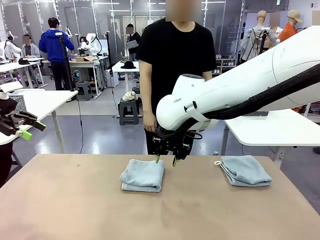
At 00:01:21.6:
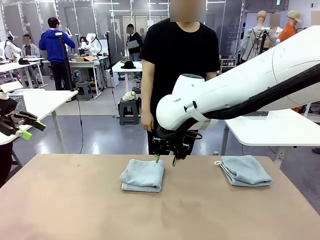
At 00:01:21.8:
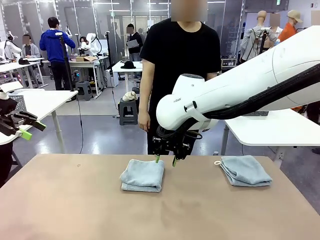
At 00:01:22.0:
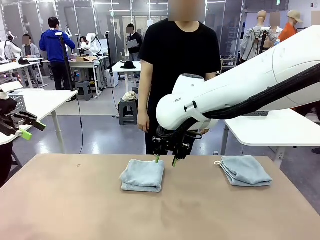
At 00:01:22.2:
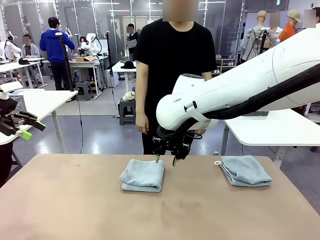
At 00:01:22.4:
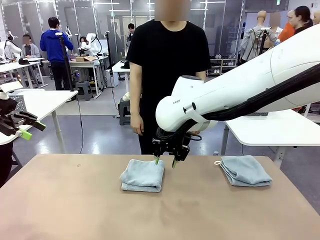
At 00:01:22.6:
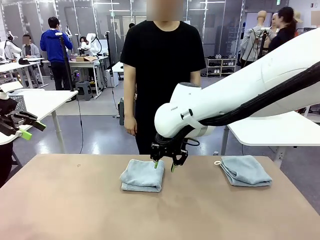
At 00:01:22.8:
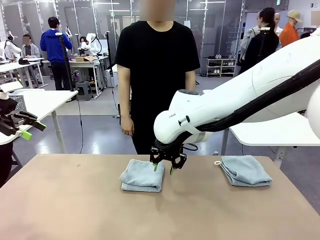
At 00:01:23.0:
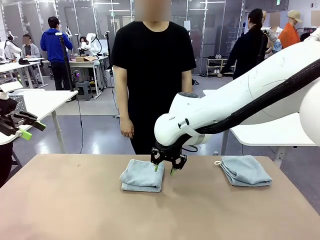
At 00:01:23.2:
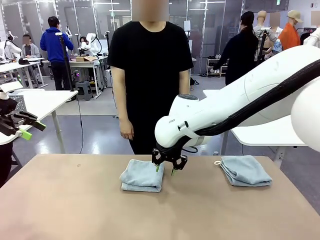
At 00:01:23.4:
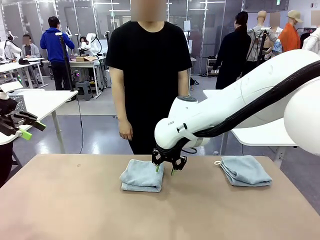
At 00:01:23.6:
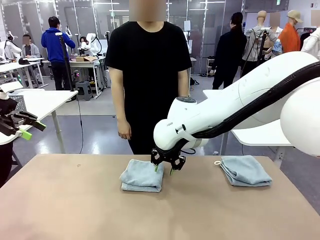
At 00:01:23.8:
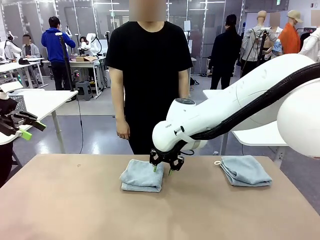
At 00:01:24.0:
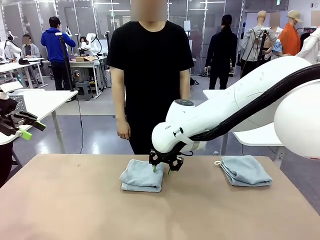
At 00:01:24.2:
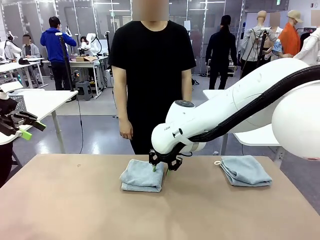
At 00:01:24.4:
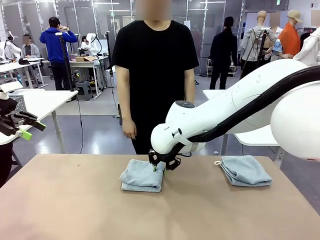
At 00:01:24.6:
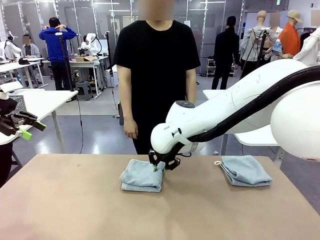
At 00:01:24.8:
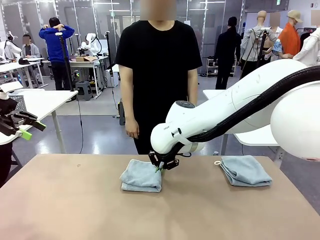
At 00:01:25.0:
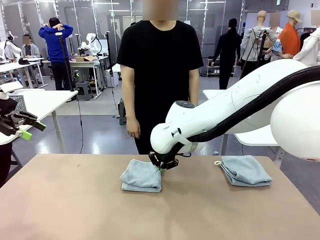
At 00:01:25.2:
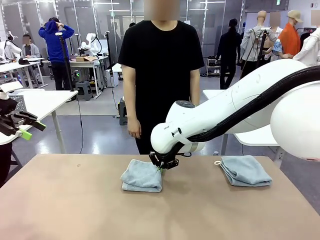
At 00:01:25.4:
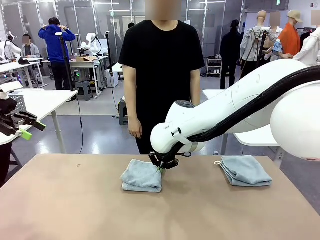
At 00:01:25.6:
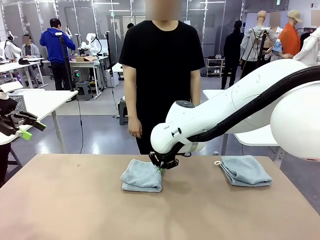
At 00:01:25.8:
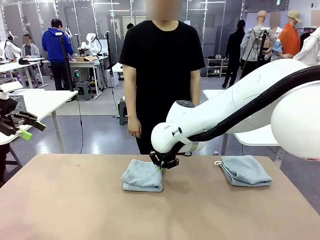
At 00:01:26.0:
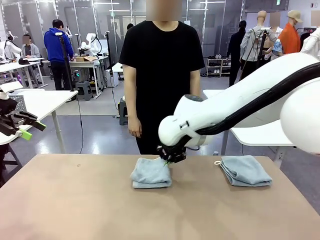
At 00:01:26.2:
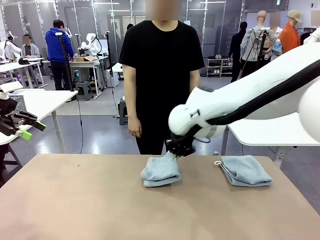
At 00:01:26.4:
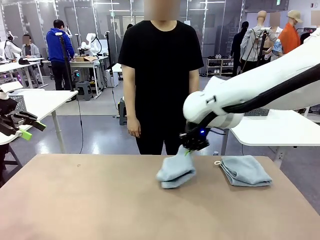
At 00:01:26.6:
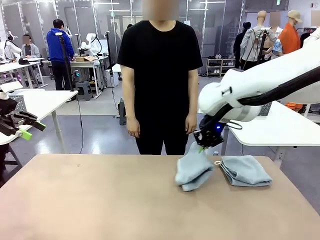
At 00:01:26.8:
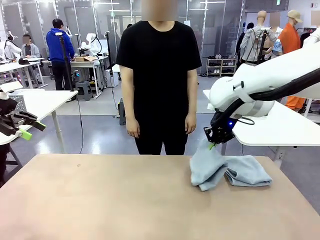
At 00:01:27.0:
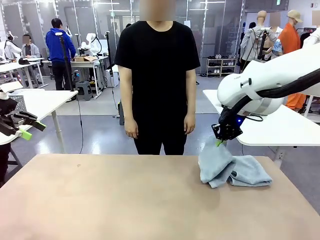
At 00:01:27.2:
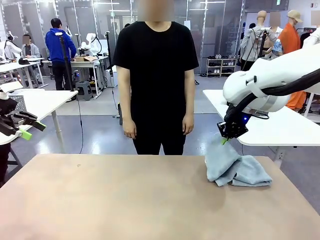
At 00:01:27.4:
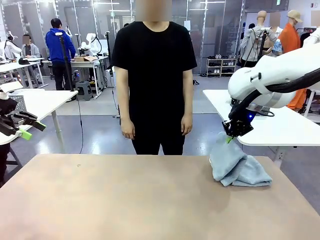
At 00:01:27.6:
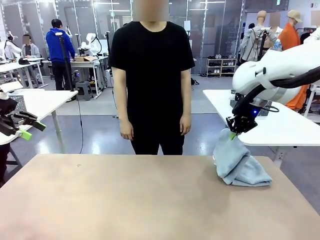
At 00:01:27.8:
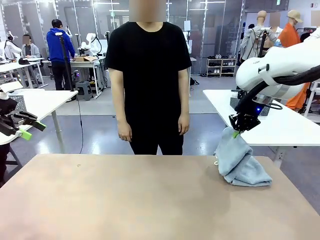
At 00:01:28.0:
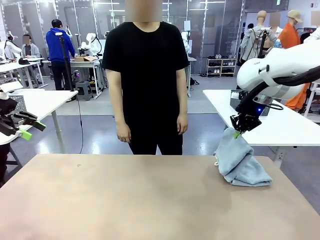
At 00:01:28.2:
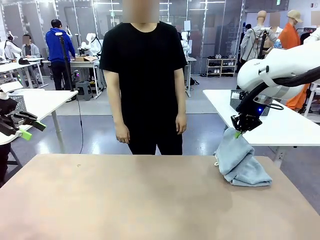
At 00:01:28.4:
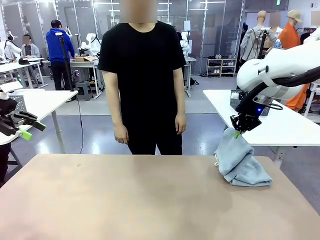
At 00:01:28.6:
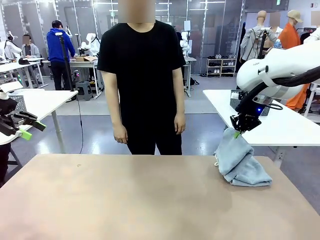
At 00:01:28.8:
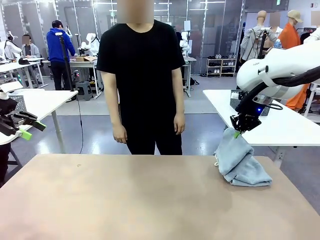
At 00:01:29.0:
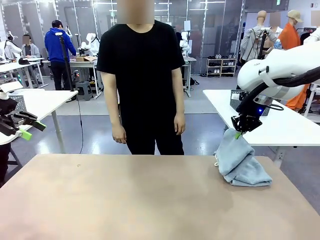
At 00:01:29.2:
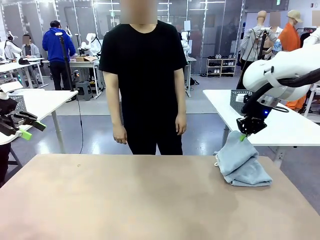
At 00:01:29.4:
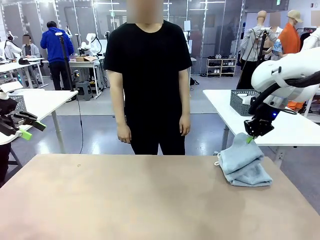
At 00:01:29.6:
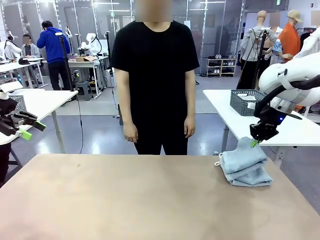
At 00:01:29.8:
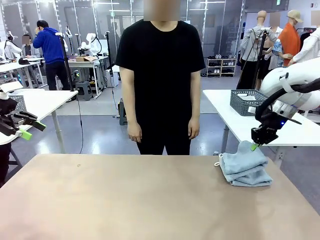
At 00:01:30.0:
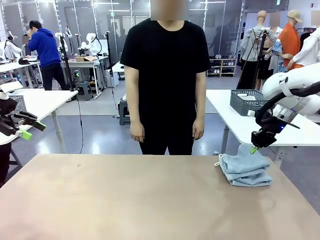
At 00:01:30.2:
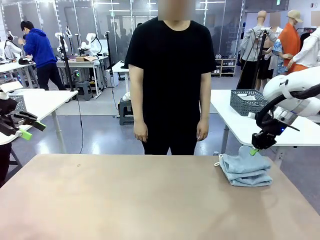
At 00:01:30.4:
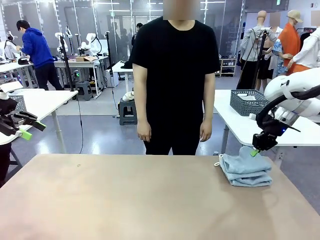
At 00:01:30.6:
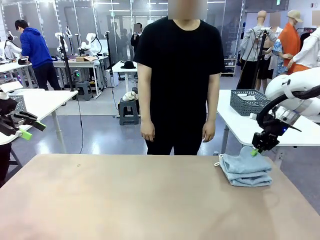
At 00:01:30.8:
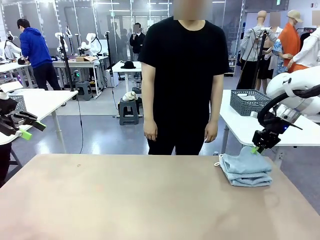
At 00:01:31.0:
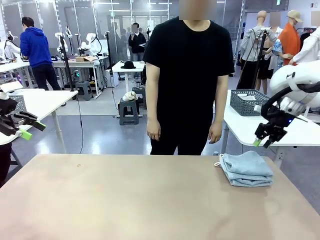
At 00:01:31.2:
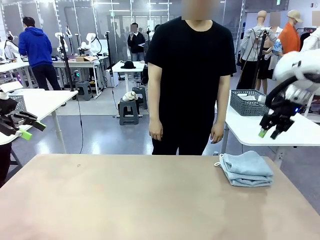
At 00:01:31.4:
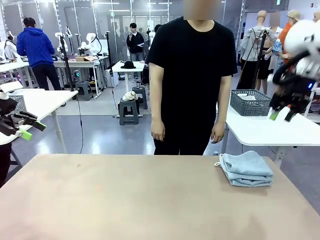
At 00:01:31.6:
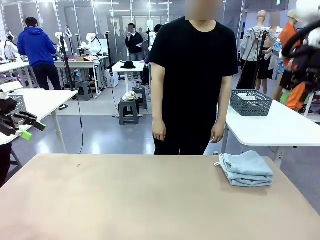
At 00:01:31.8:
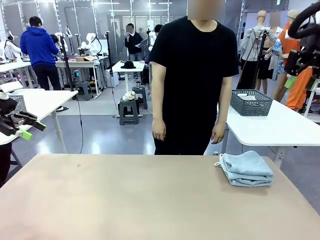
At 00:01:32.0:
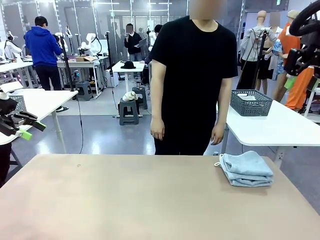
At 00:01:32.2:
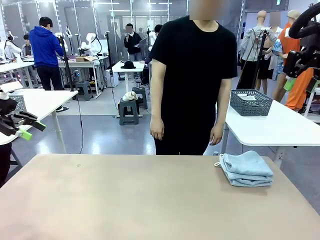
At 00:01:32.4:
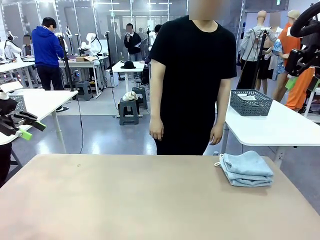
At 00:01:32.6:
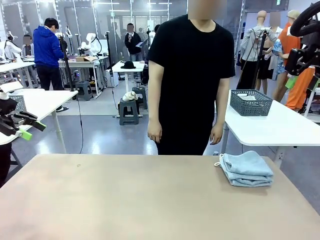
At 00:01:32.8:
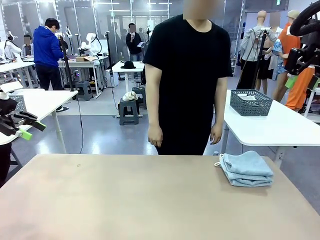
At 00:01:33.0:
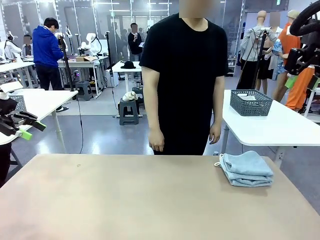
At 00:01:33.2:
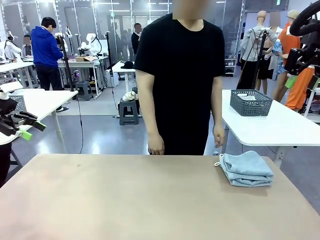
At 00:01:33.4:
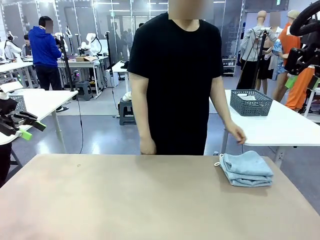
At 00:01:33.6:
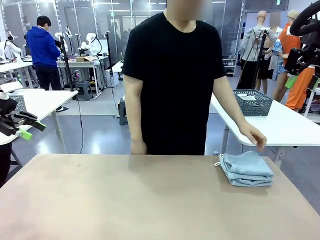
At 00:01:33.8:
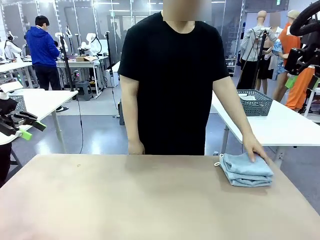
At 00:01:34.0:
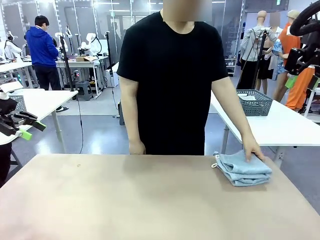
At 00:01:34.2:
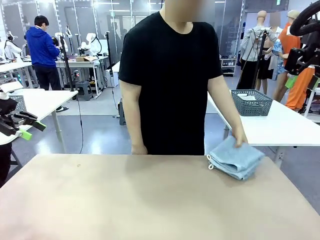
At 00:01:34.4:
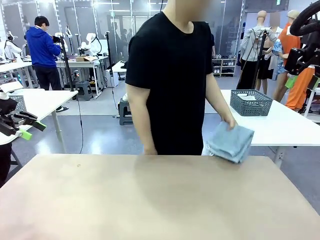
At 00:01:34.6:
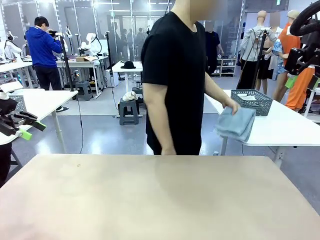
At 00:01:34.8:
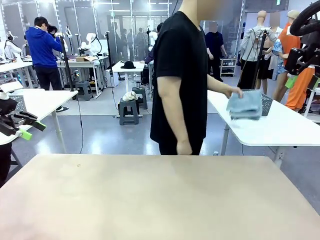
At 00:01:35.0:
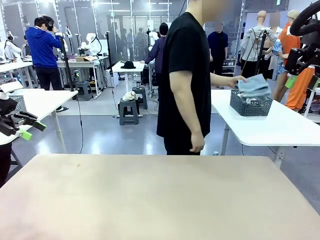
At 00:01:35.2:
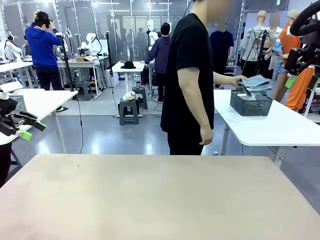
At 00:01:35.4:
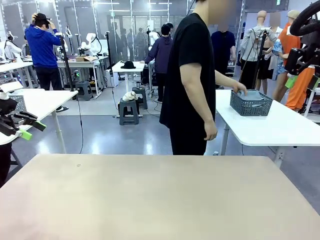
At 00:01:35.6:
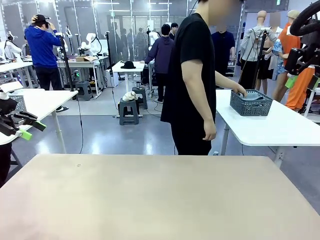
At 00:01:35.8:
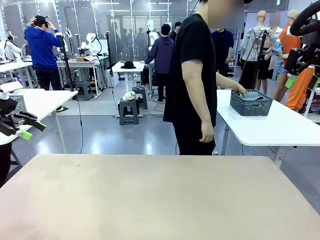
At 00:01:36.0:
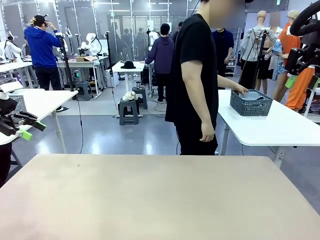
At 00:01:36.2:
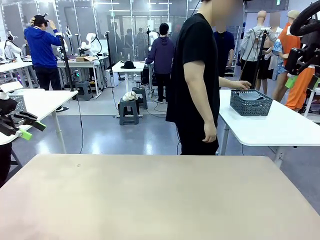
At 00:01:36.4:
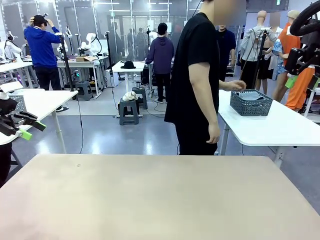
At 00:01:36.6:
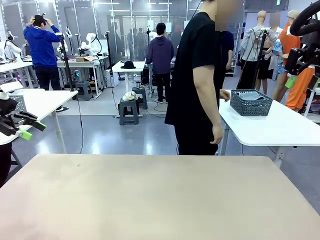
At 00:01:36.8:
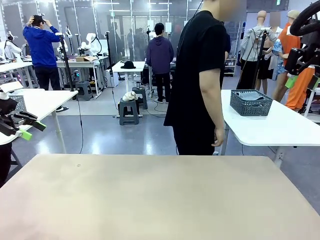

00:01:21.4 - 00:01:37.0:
Task: Fold the towels and place them in the basket.
Robot: Stack the folded Towel with hook on the right side of the table.
Person: Pick up the stack of towels from the robot table and place it into the basket.
